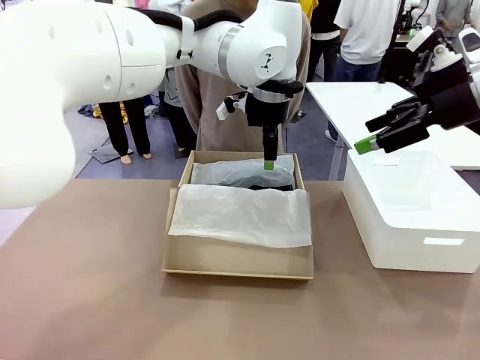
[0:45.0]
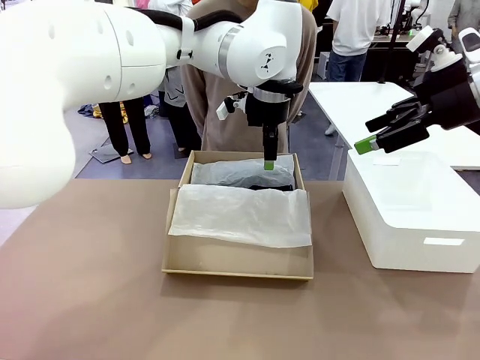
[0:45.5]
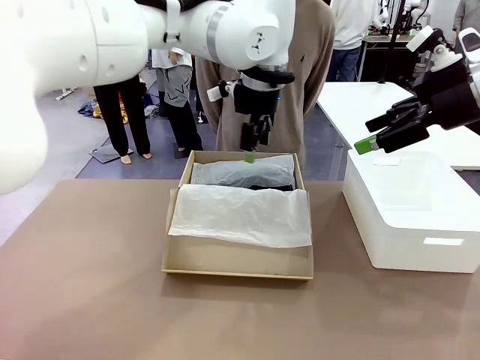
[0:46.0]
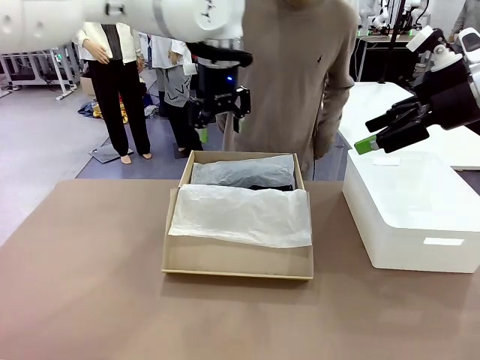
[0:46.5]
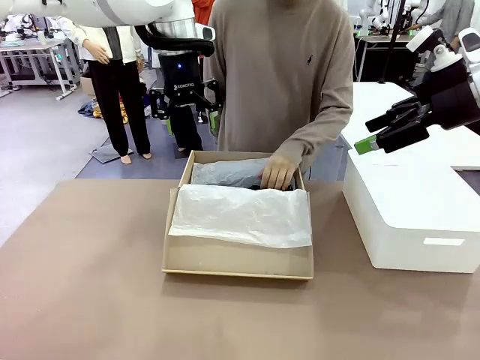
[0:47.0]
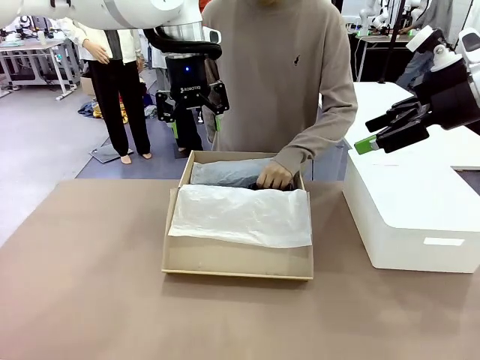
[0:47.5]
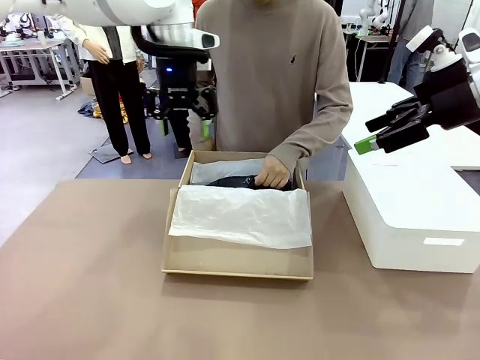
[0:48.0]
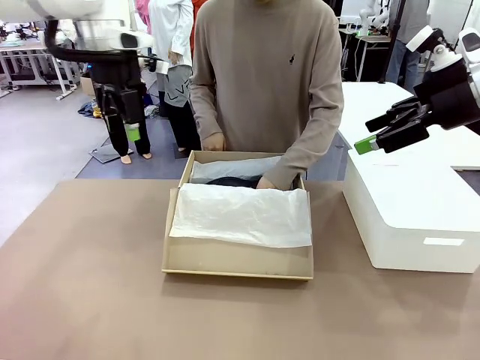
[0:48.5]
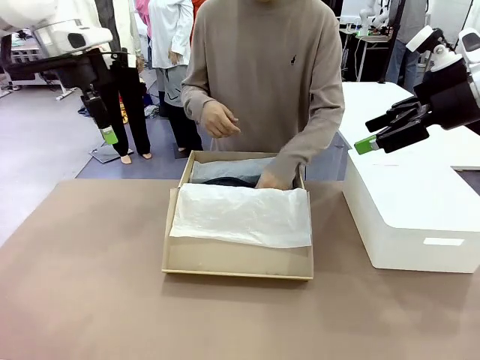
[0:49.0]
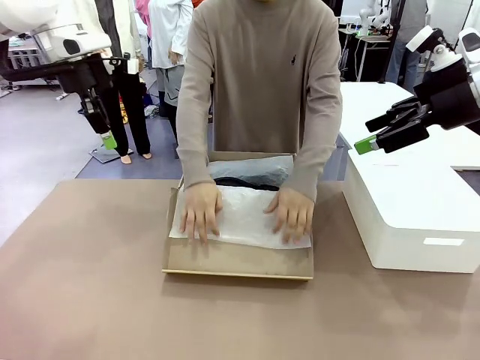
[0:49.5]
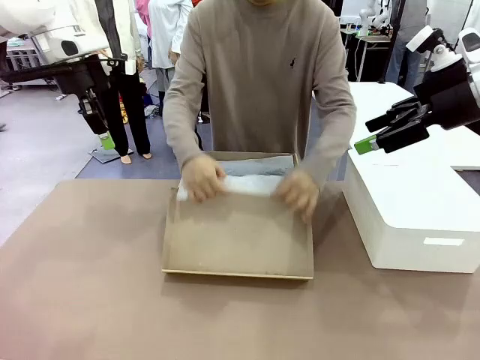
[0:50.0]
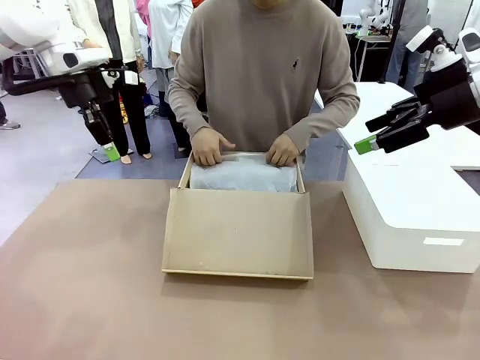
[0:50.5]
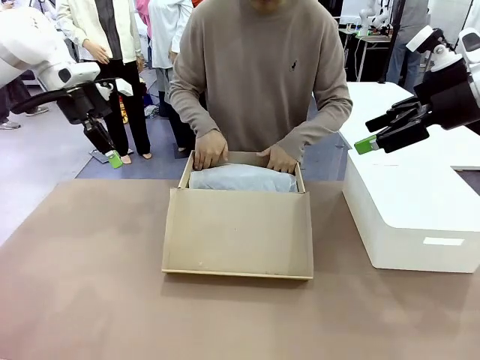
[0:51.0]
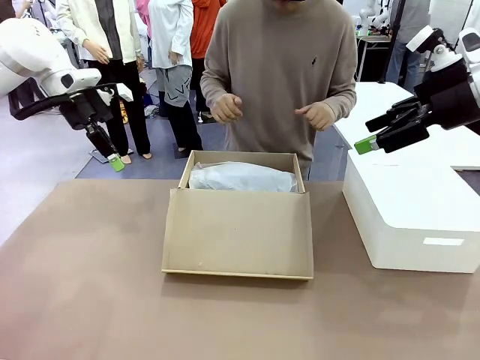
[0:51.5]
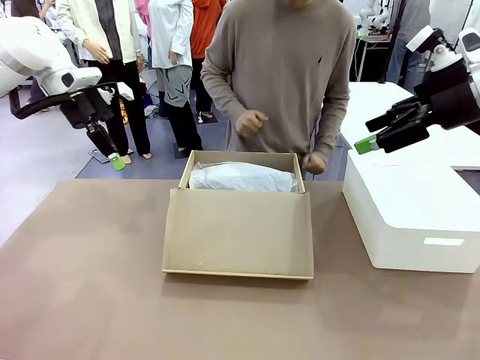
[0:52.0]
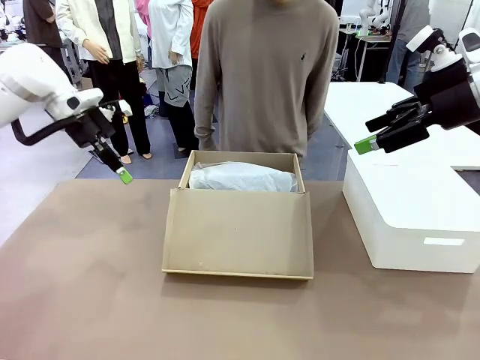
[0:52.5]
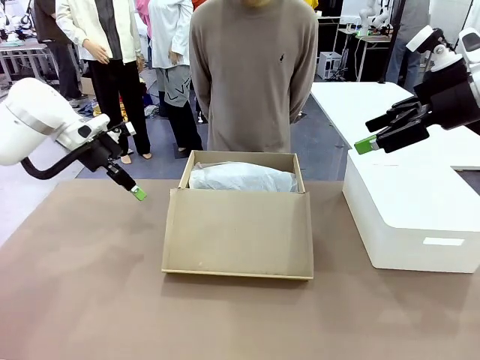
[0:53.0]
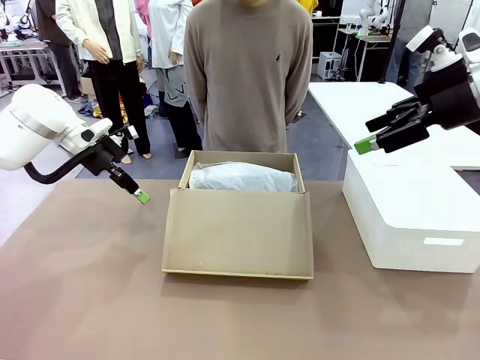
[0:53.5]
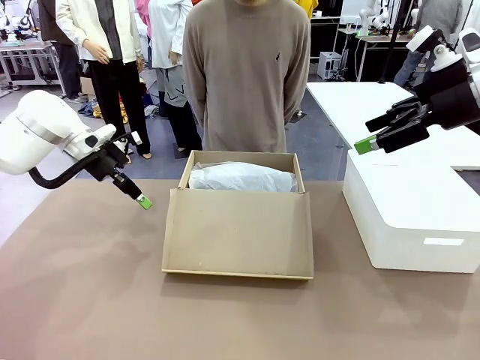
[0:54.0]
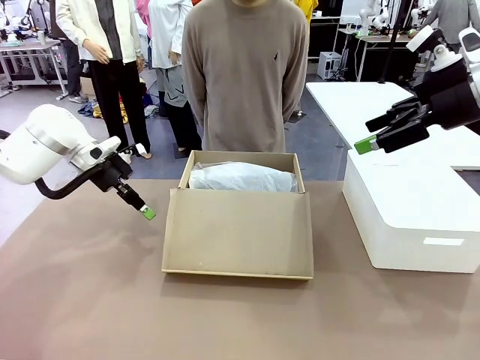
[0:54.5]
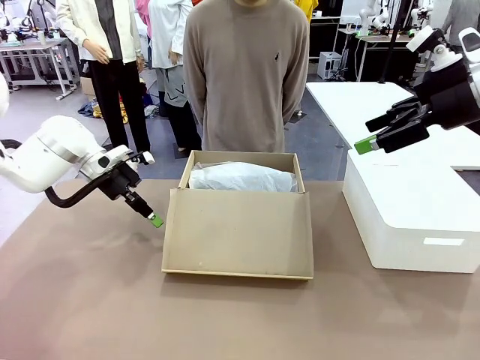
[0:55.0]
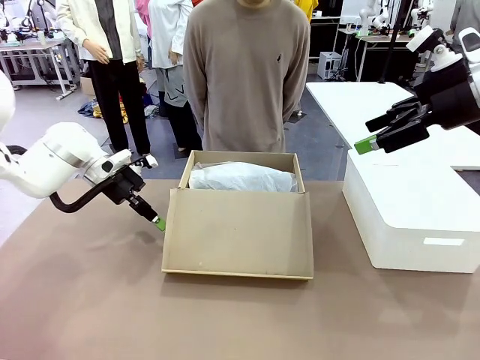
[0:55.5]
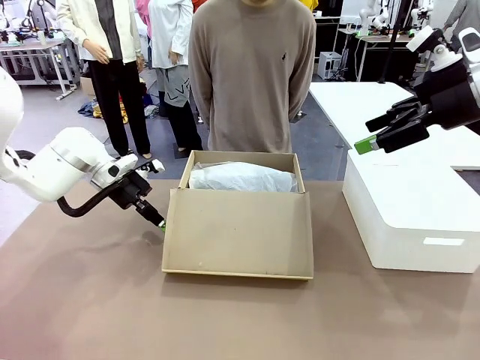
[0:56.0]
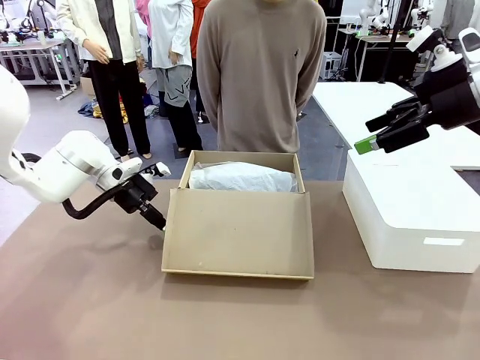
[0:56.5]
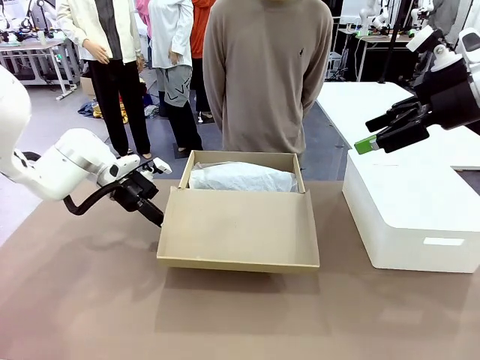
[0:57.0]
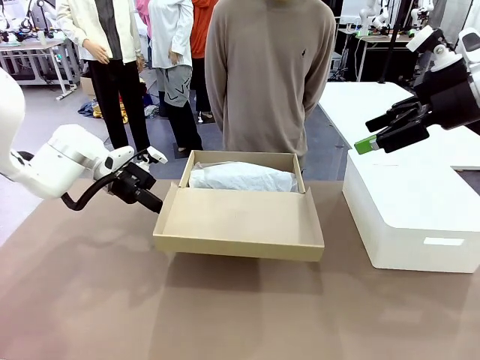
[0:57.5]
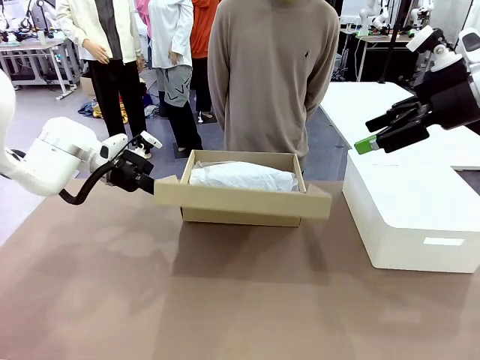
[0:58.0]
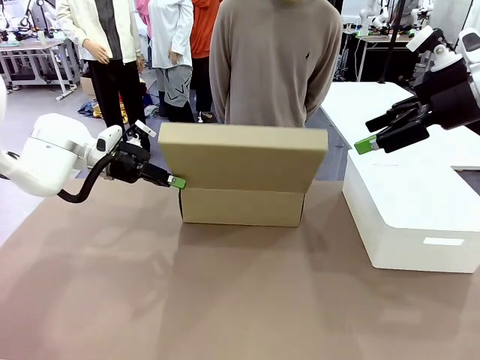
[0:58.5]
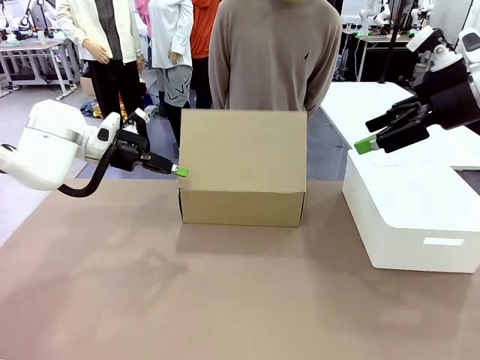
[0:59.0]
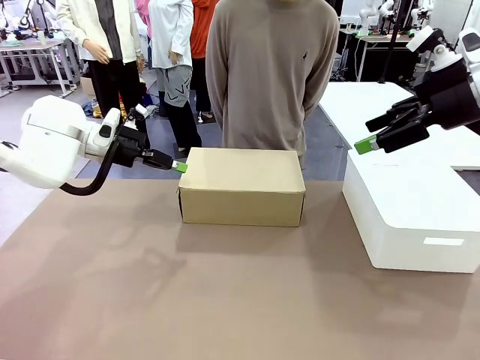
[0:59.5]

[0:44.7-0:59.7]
Task: Pack the shoes into the box.
Robot: Close the Shoes Box.

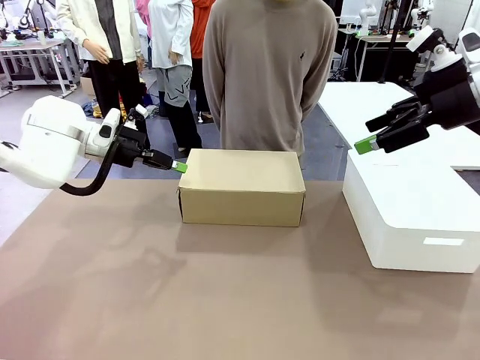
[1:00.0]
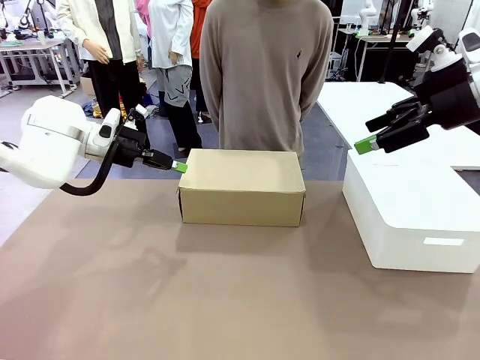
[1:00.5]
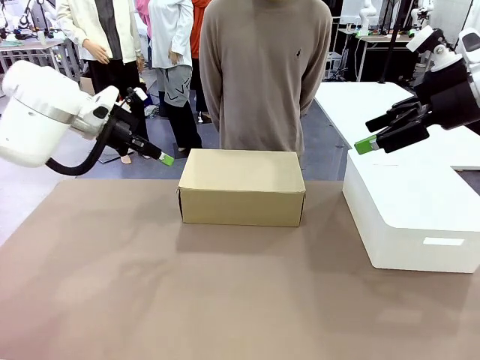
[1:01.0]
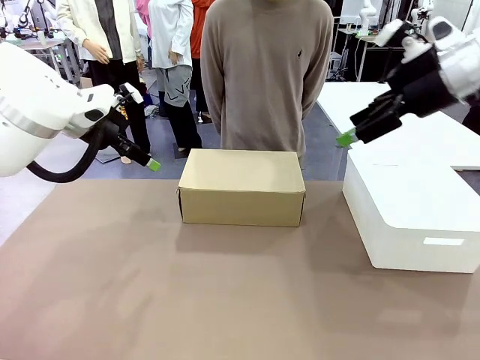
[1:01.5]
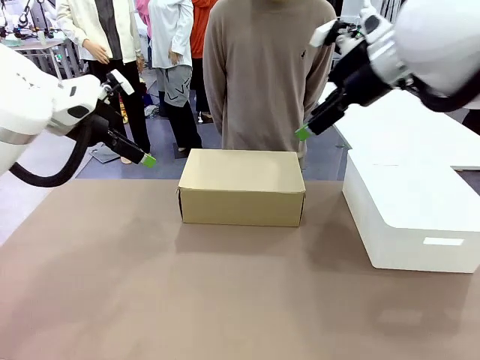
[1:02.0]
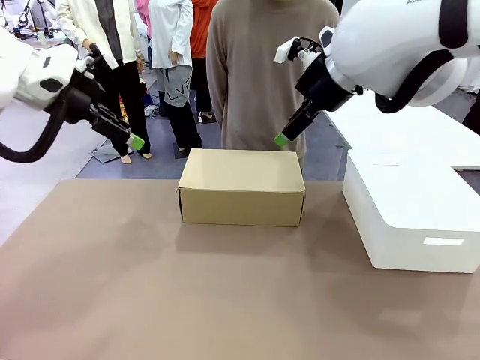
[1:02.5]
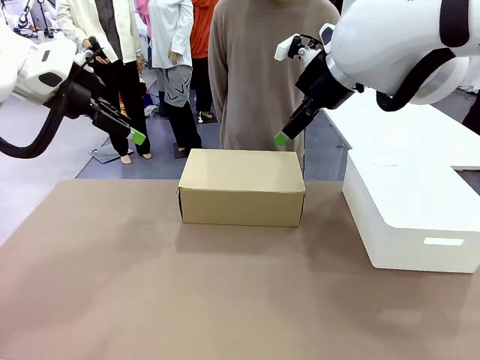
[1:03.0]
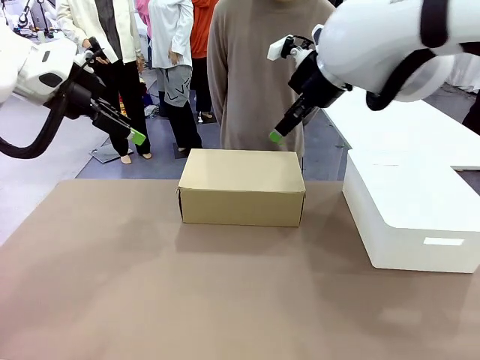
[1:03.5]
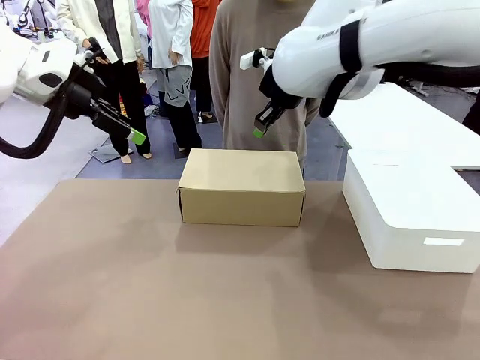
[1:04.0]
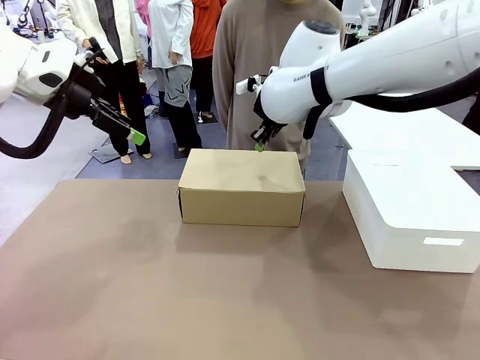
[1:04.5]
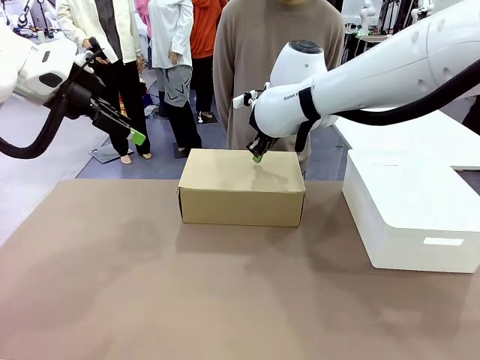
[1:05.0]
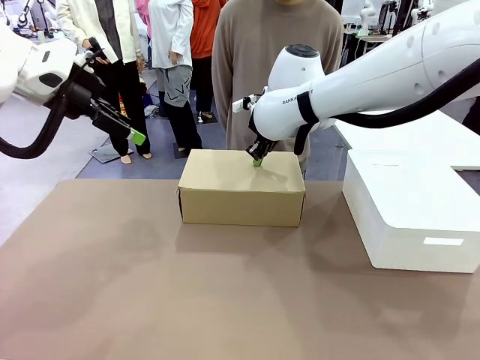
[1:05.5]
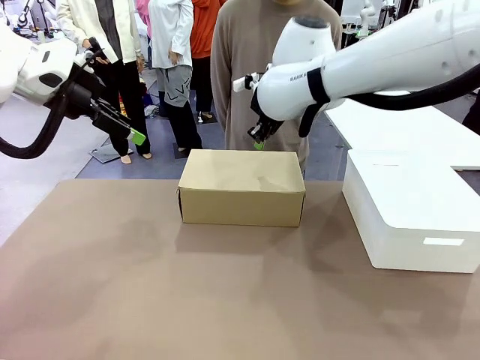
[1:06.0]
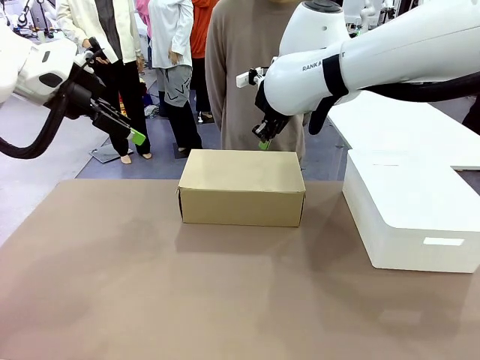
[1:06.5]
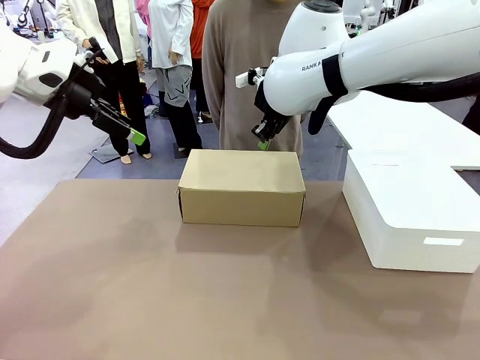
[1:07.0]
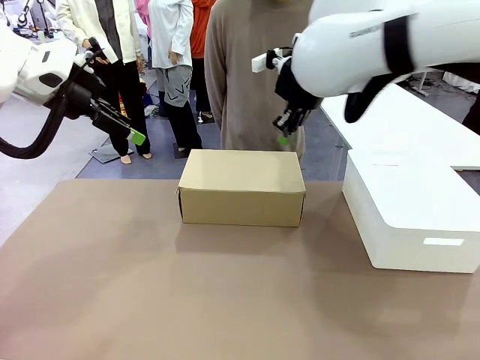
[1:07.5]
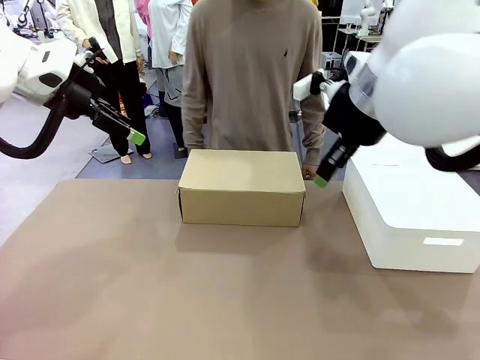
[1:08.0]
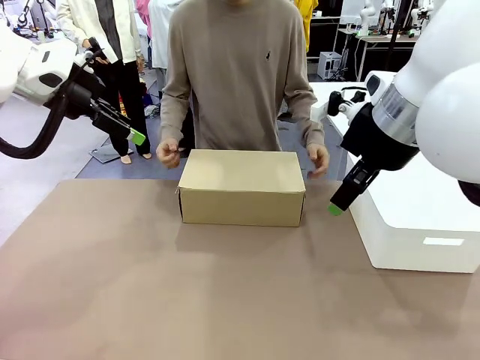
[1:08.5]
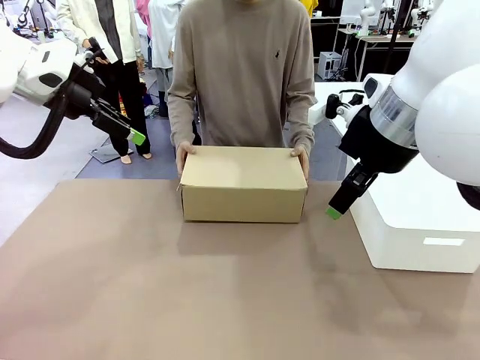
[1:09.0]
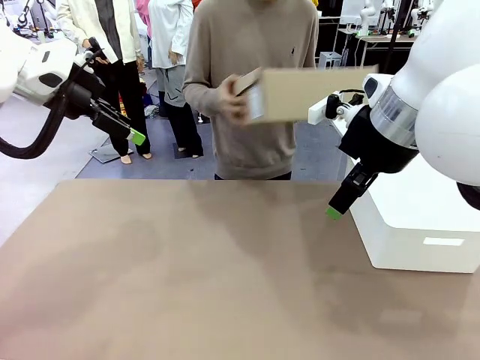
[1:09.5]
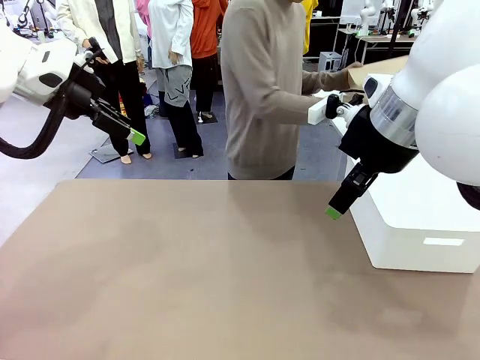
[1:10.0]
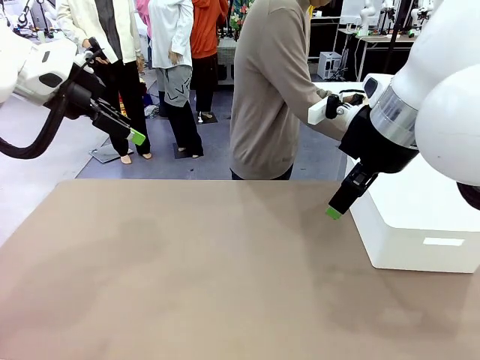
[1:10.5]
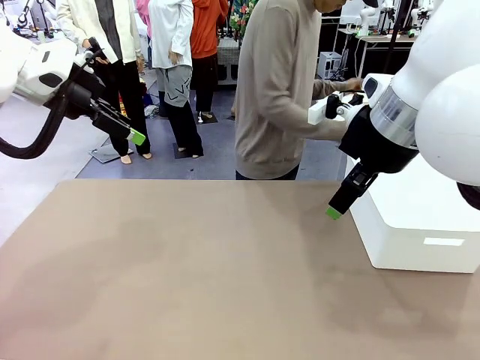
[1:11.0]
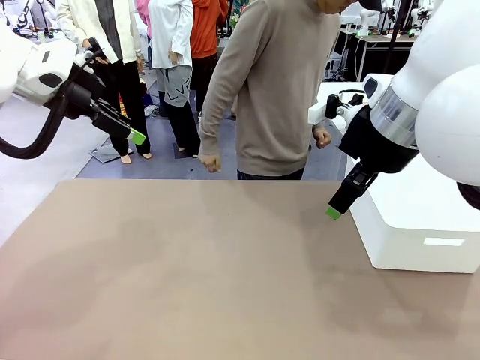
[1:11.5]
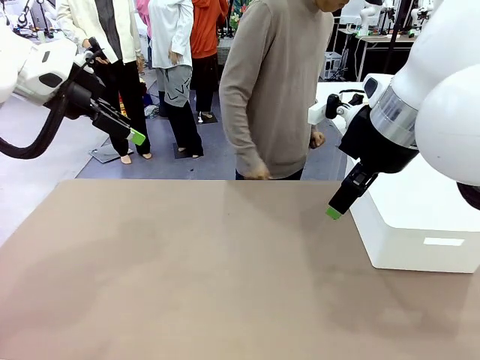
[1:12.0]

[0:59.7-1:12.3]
Robot: Press down on the lid of the Shoes Box.
Person: Place the closed Shoes Box to the right side of the human table.
